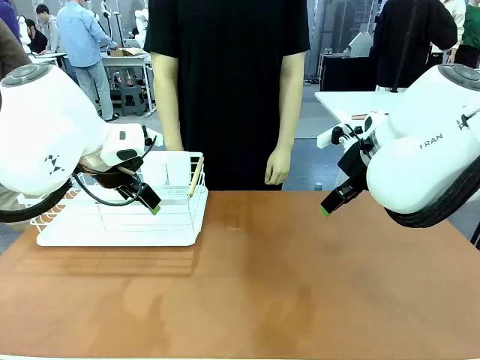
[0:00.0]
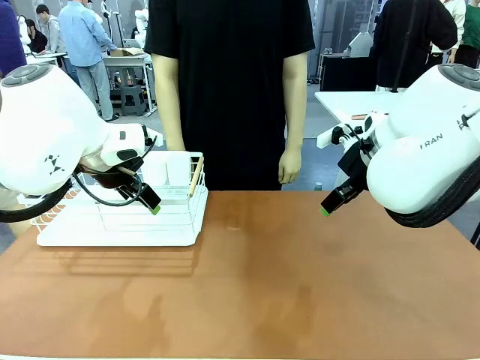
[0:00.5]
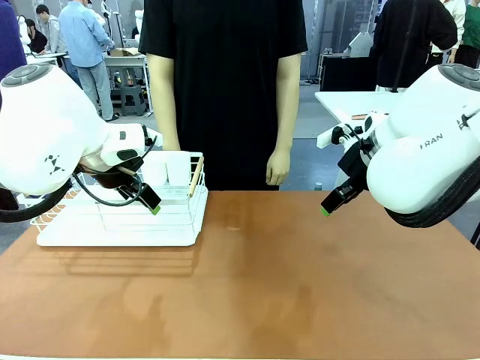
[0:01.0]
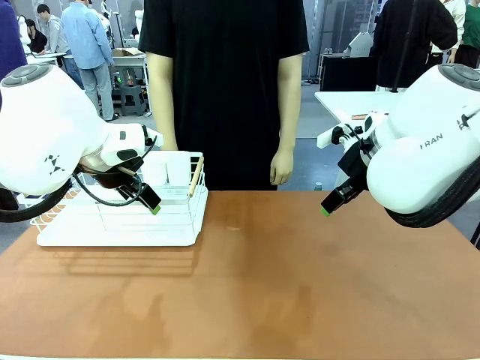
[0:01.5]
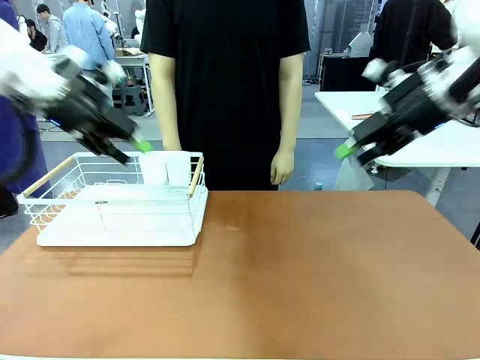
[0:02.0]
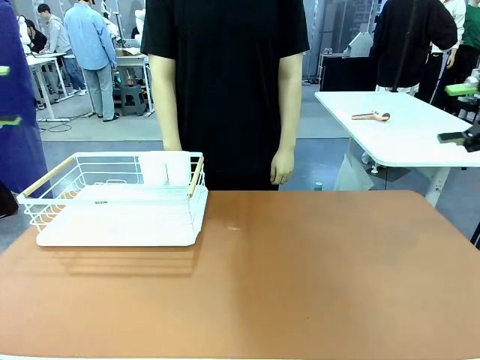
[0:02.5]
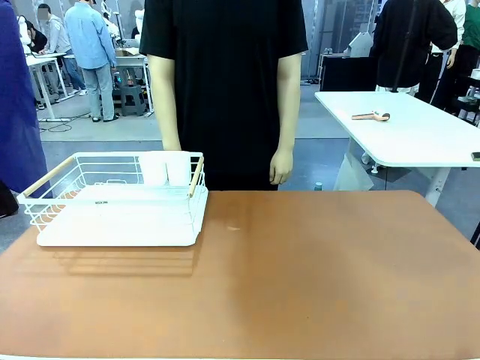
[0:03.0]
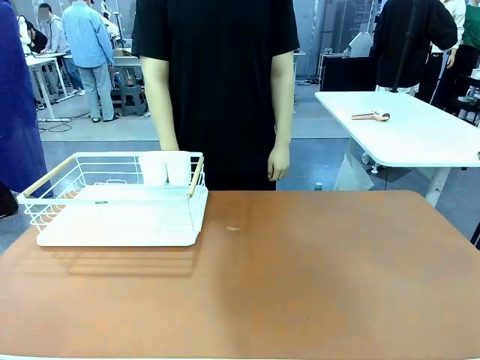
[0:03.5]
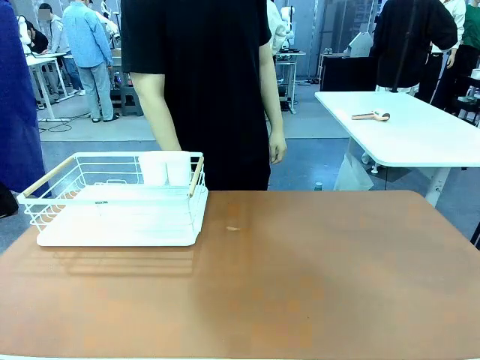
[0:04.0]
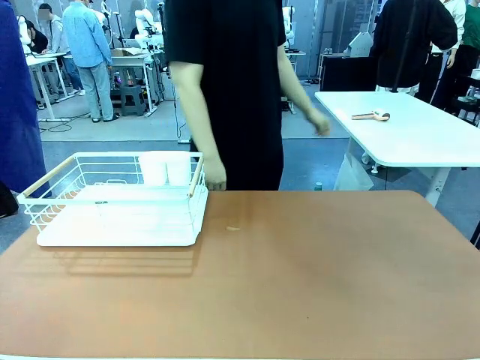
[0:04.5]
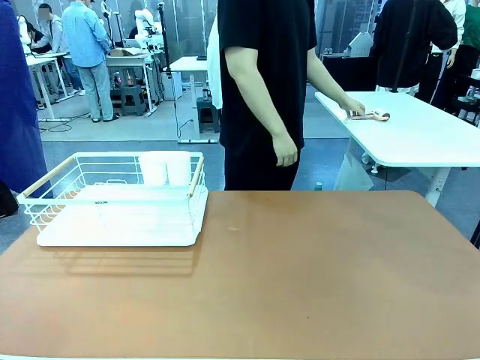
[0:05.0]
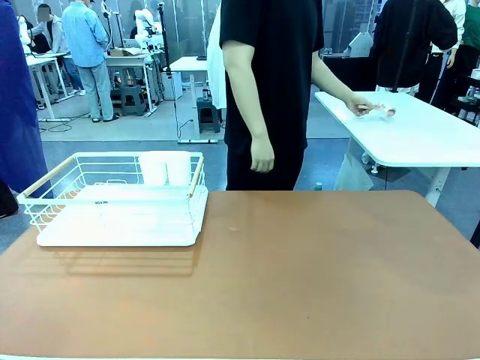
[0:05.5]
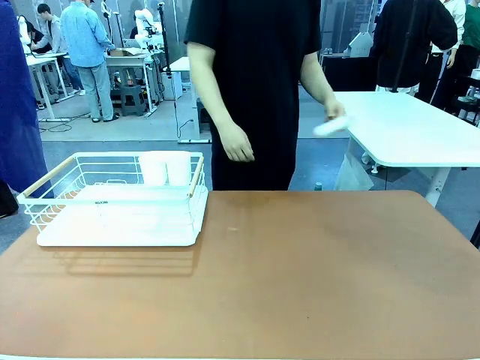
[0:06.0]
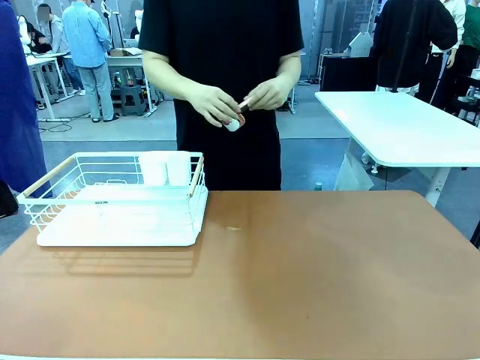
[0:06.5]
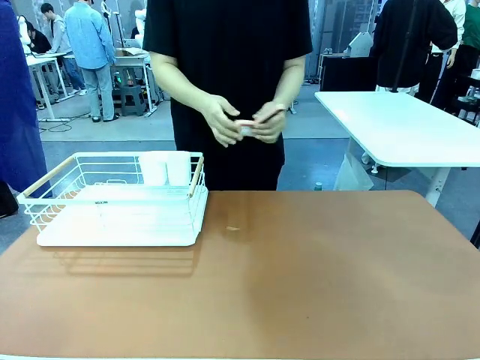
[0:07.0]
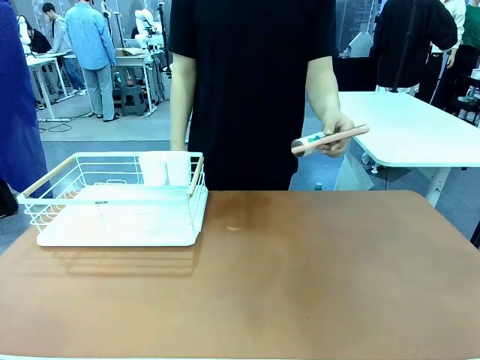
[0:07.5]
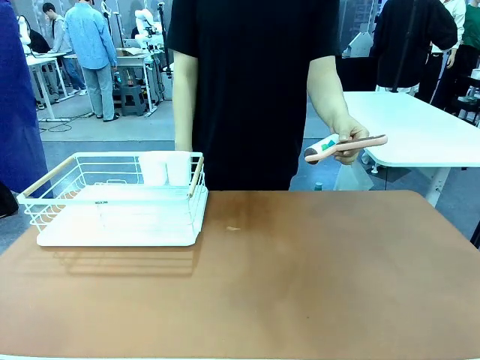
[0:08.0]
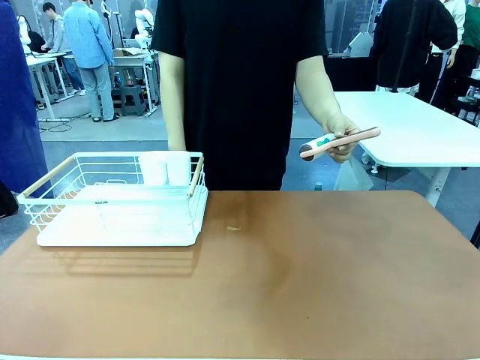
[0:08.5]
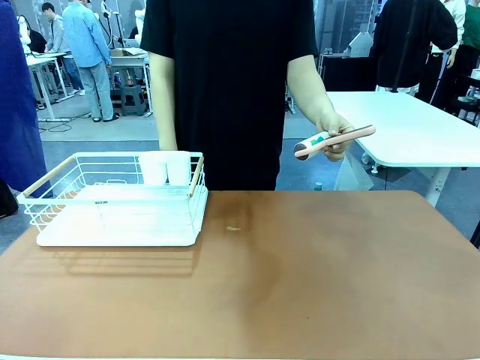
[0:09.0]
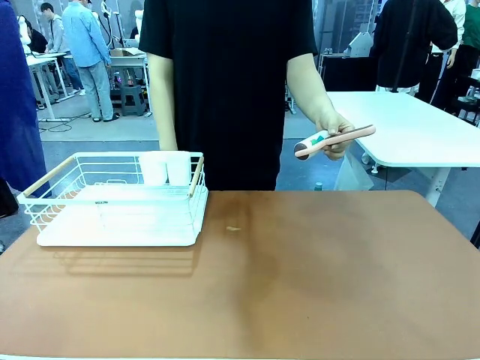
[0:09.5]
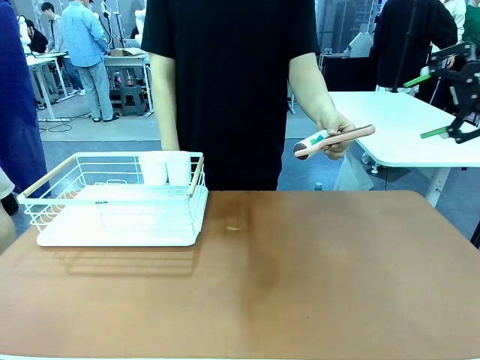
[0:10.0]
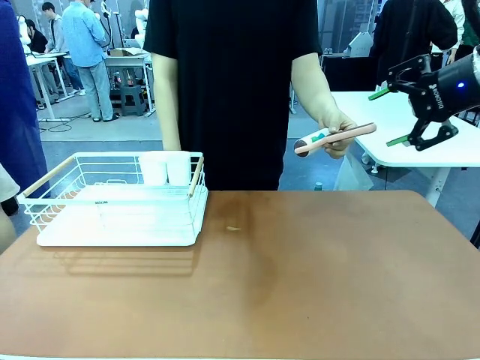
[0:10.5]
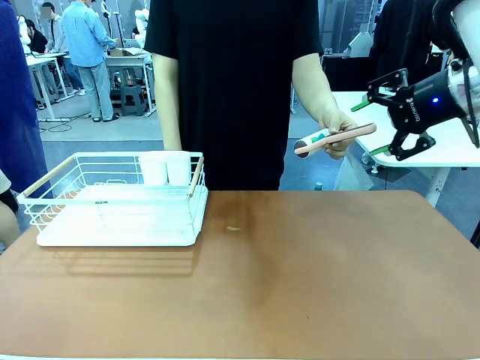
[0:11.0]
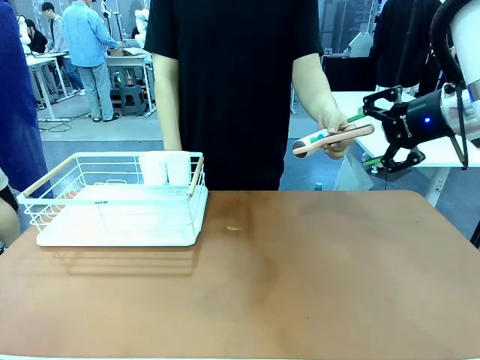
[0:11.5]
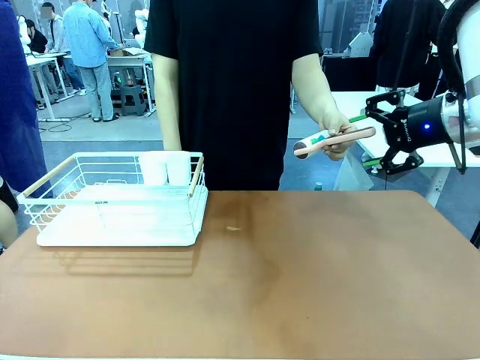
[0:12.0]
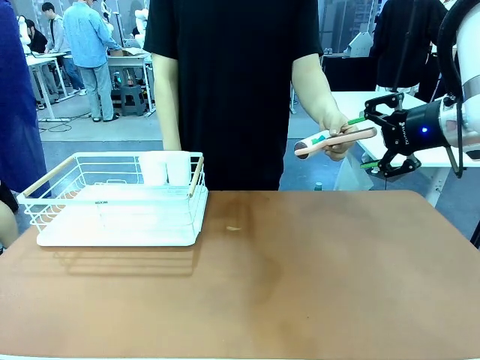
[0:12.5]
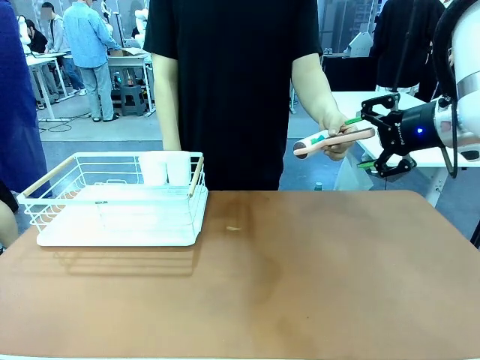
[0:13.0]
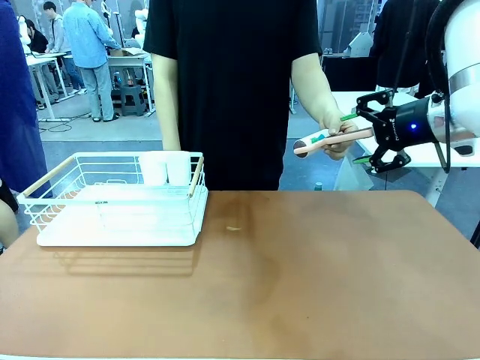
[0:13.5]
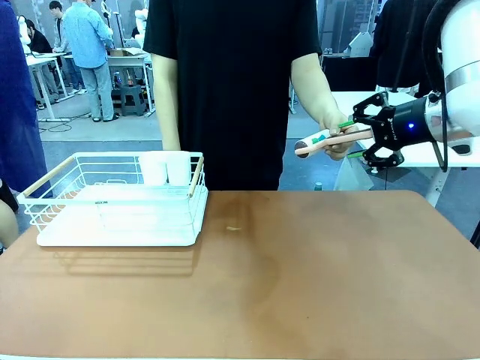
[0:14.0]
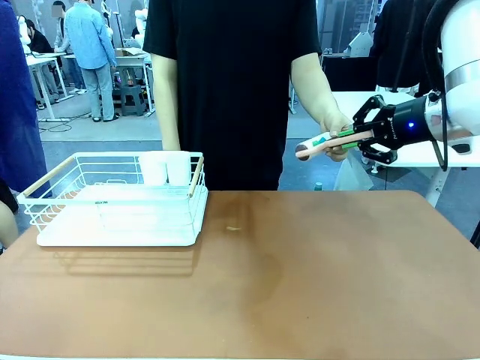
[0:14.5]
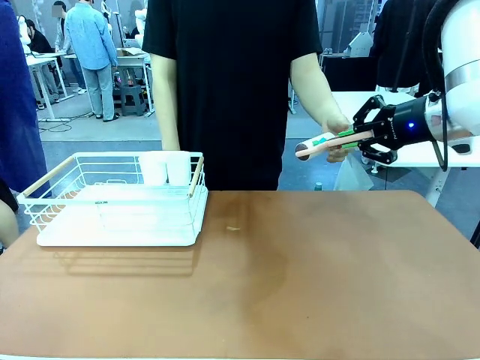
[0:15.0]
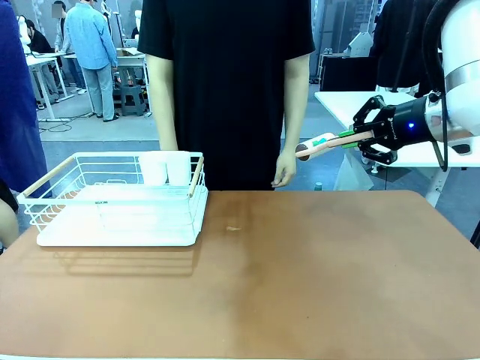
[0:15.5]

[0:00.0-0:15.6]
Task: Clean the table.
Robot: Pick up the Lint Roller when the human hands it over.
Person: Hand the Lint Roller to the robot so it can easily pick it up. Lift the Dish drying rack.

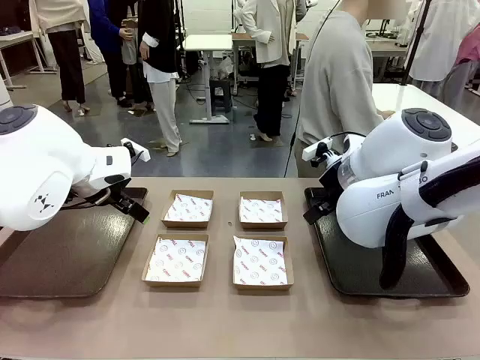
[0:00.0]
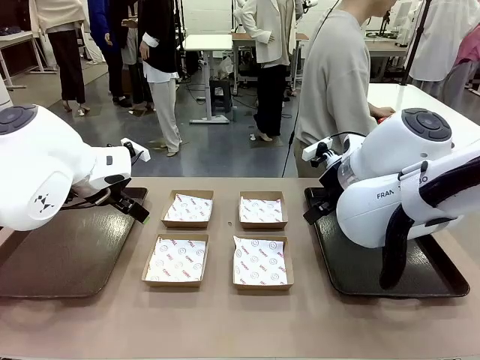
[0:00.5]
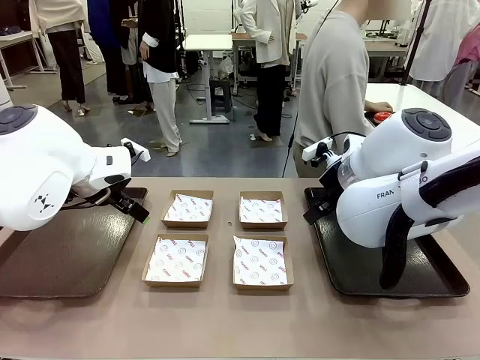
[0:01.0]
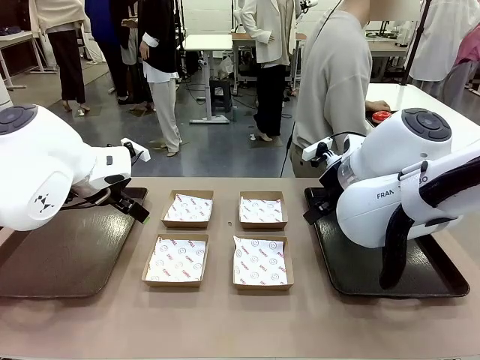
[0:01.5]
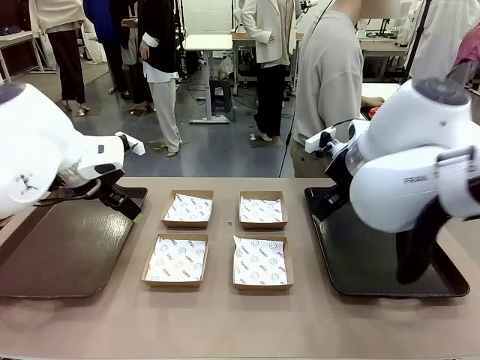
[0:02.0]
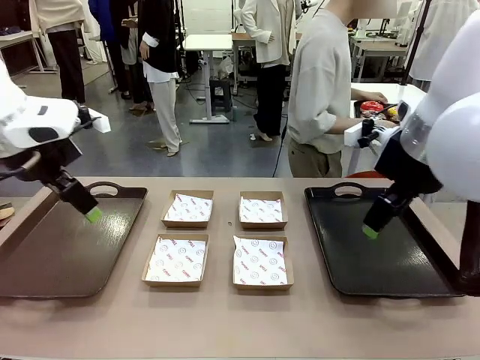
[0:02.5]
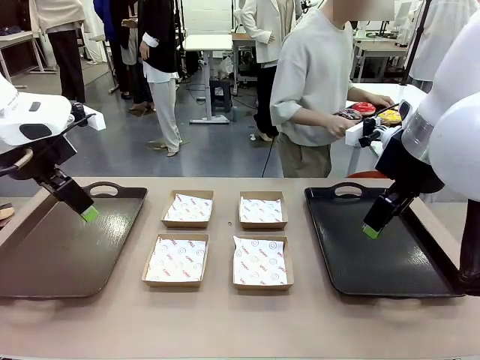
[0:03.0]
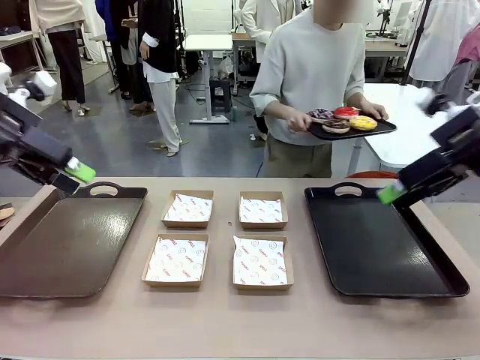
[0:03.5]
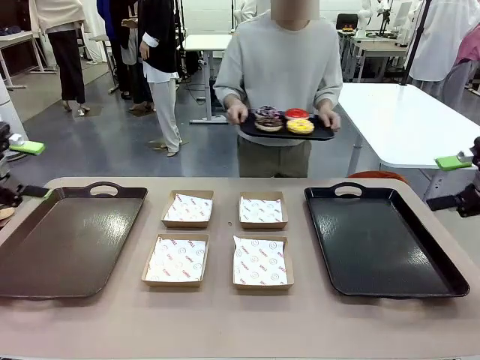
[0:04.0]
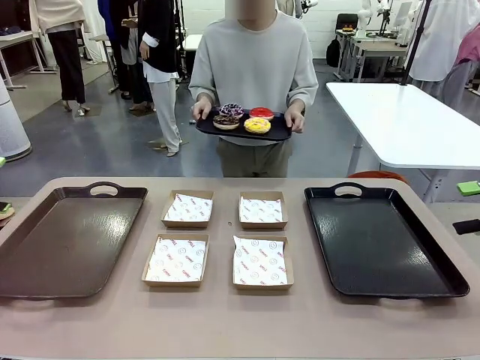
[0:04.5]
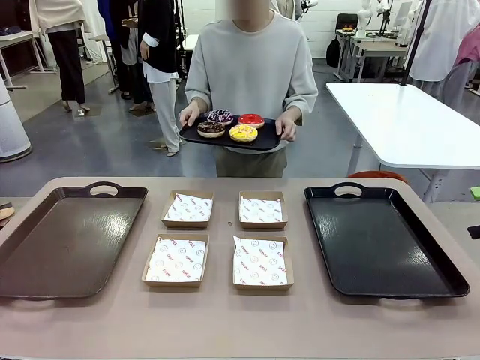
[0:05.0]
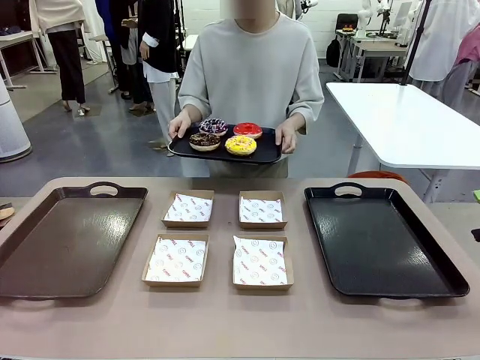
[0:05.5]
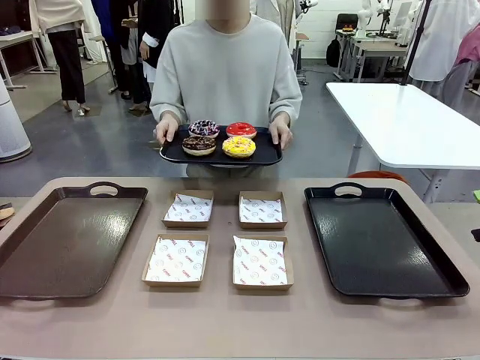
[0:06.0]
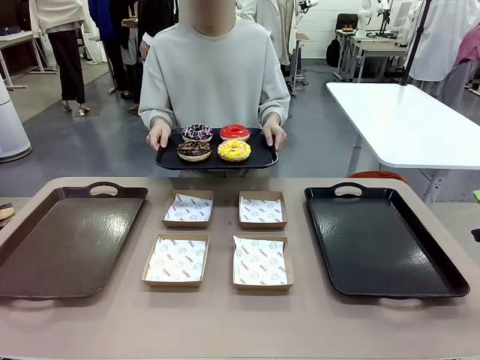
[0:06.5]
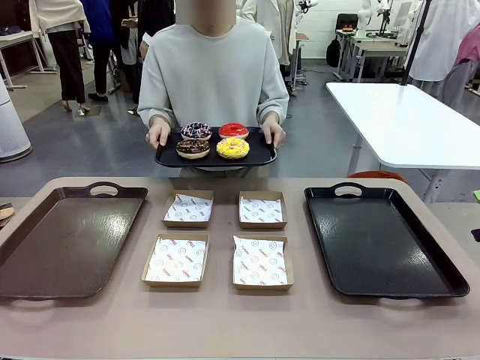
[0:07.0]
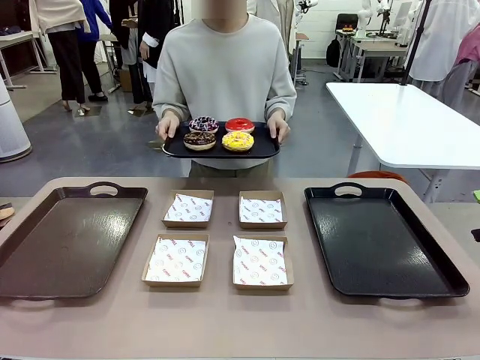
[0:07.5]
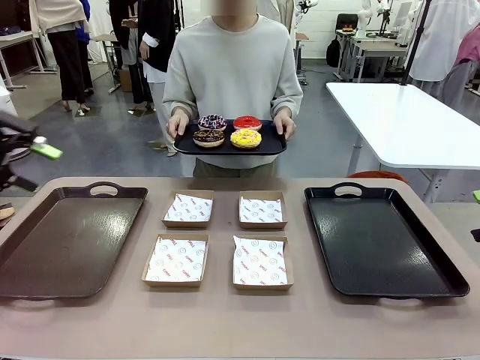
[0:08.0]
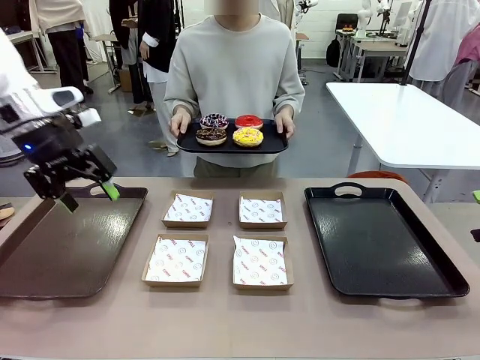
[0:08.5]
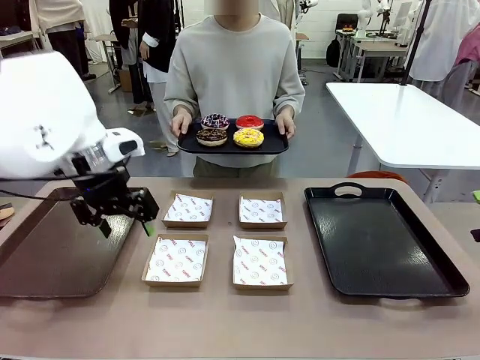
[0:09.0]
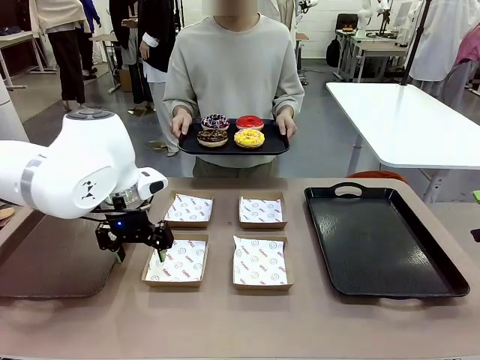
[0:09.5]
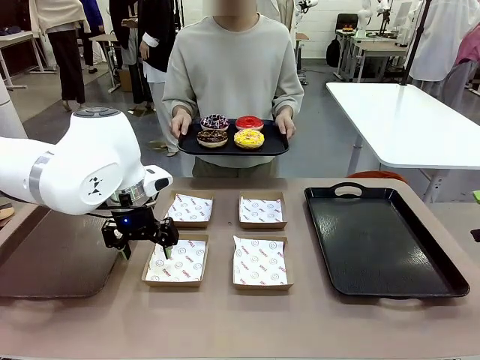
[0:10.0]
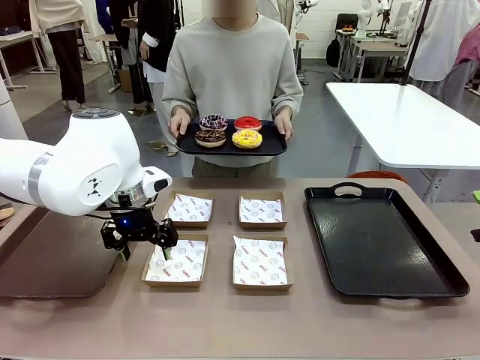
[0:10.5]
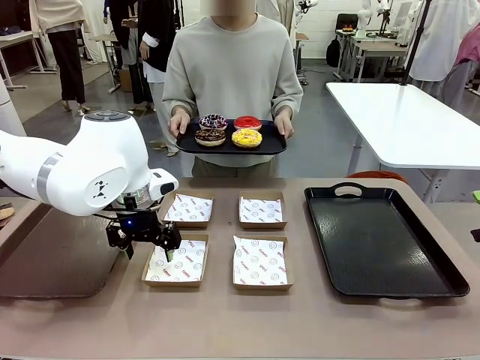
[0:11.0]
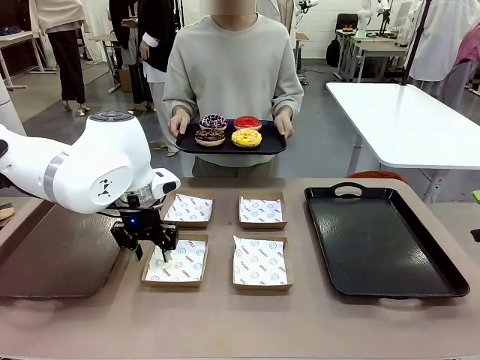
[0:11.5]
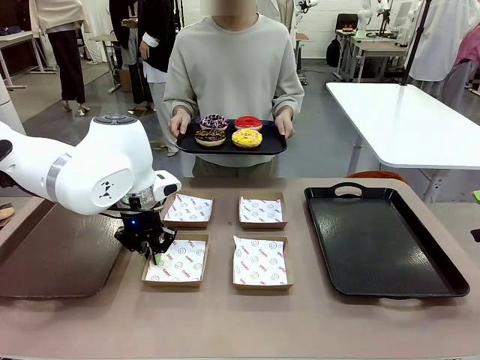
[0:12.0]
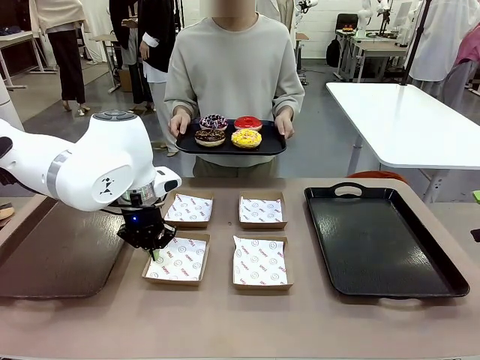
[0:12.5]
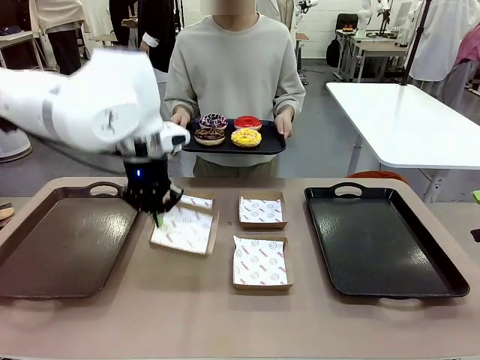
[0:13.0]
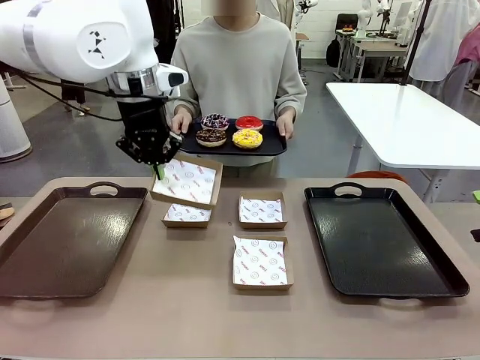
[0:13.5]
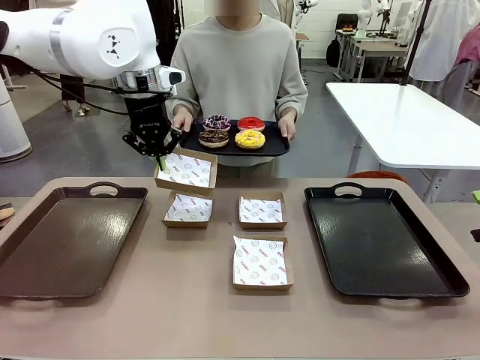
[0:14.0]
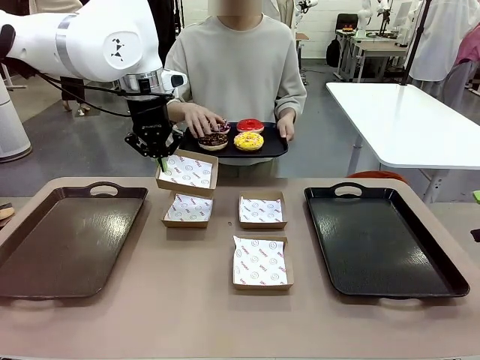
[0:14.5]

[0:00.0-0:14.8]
Task: Individually package the donuts and arrange them on the tray.
Robot: Pick up one Paper togo box.
Person: Stand in front of the robot table holding the tray containing the donuts.
